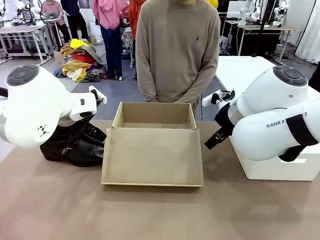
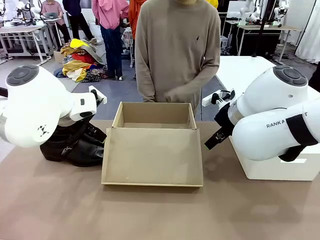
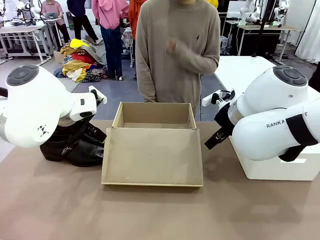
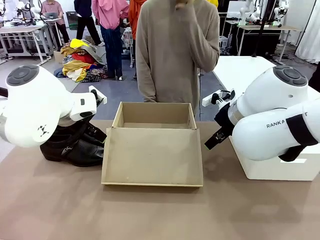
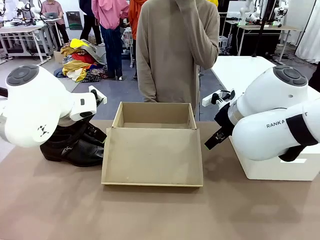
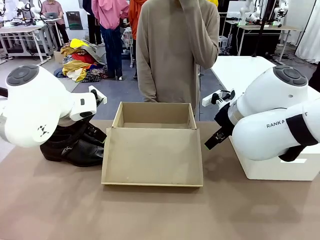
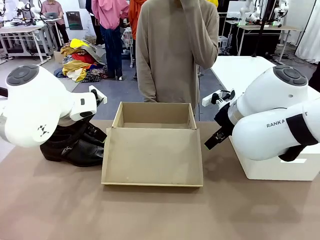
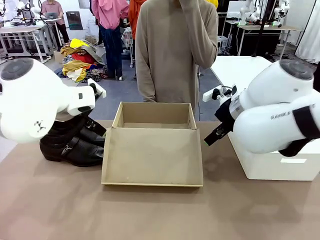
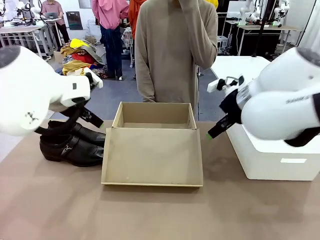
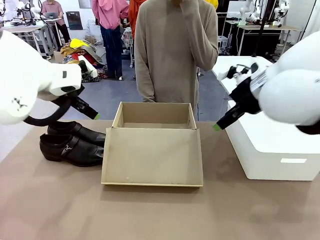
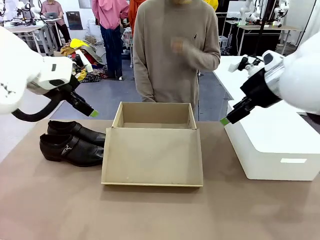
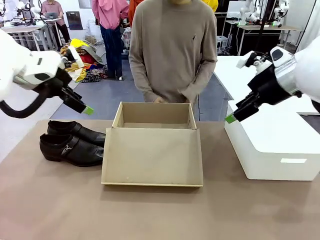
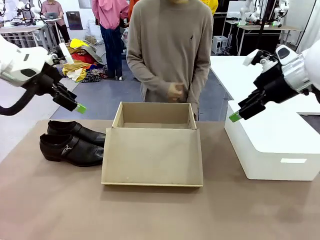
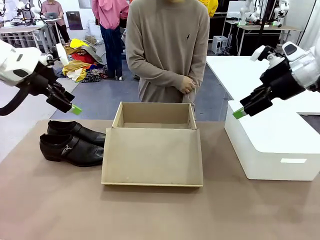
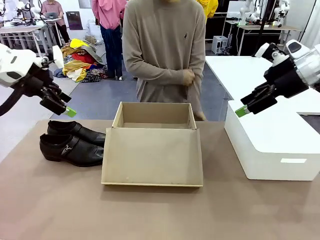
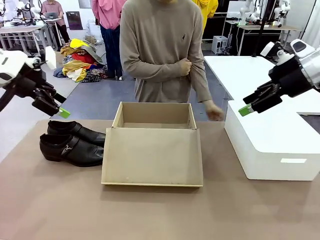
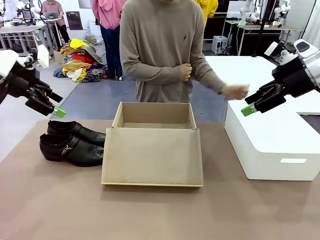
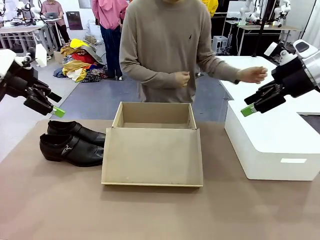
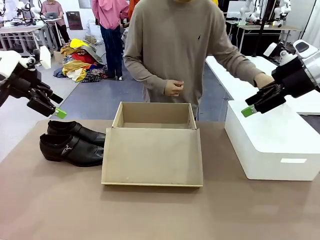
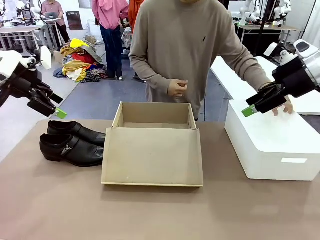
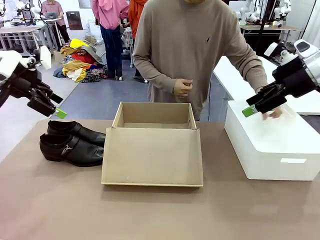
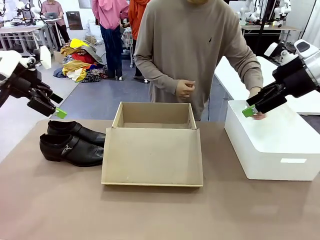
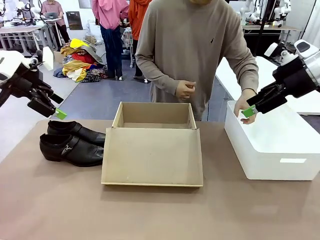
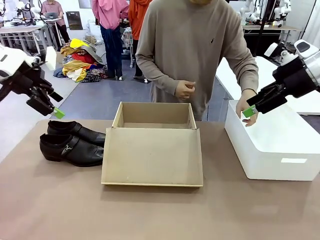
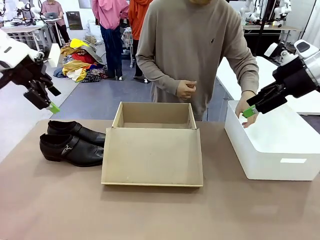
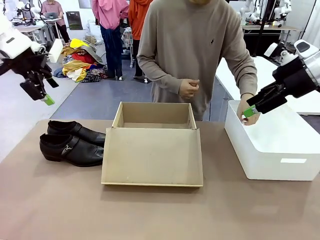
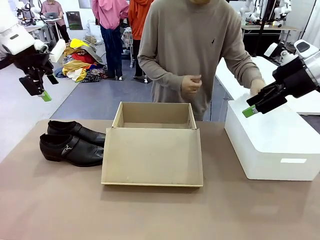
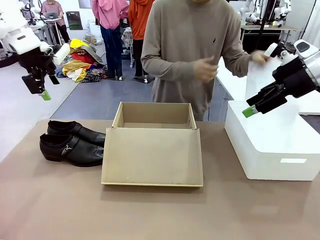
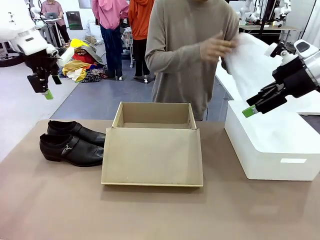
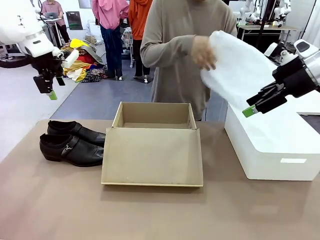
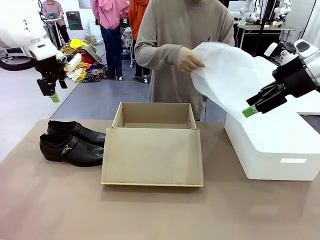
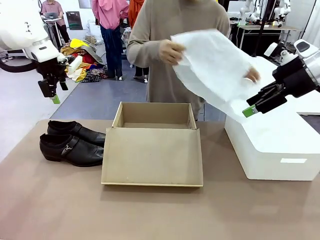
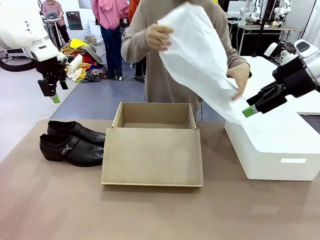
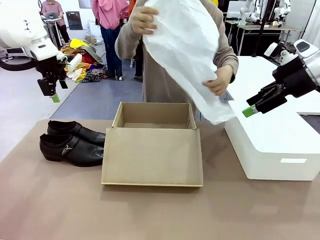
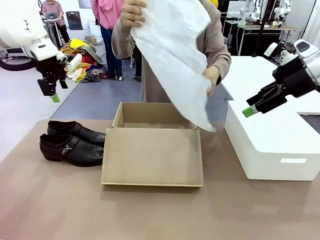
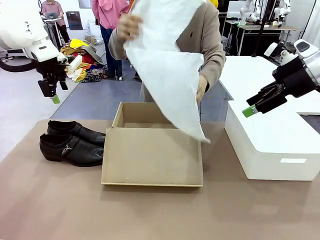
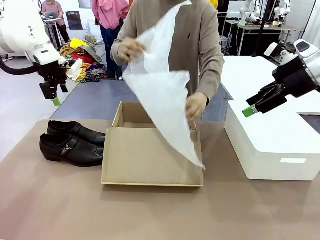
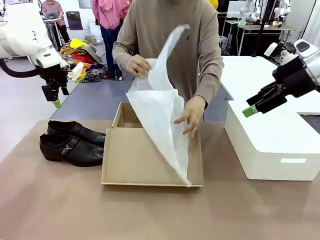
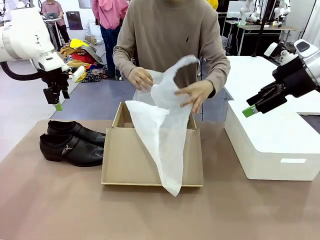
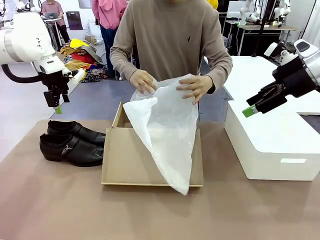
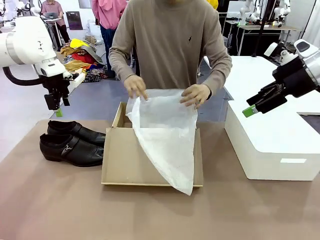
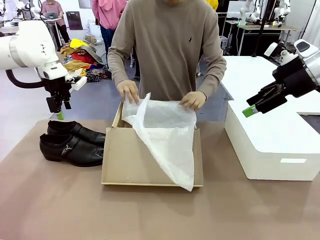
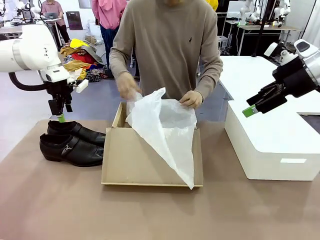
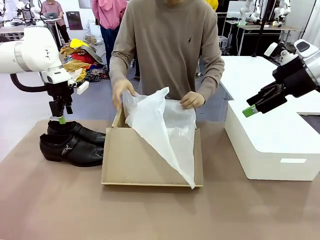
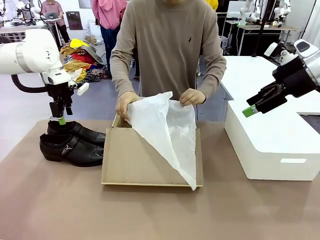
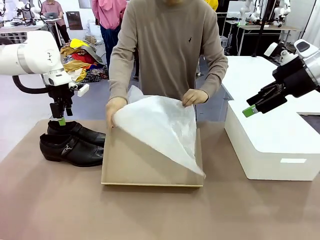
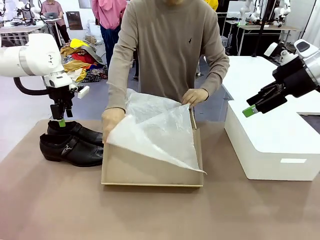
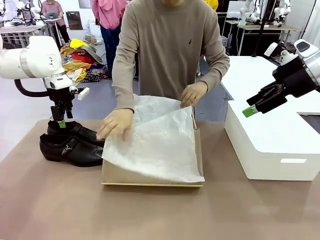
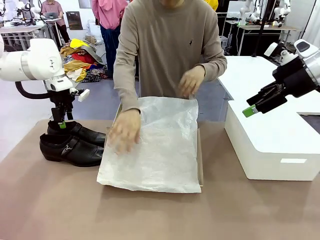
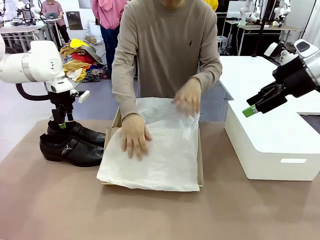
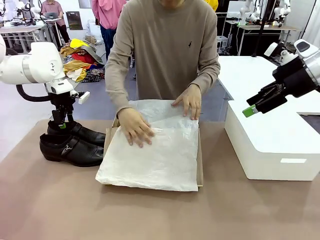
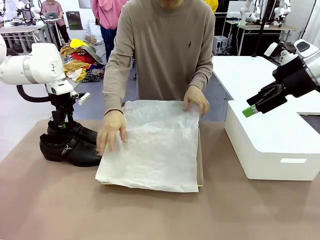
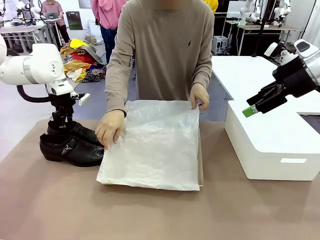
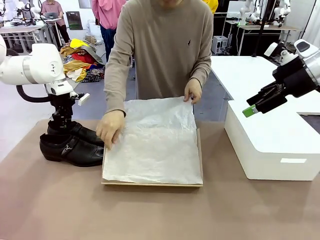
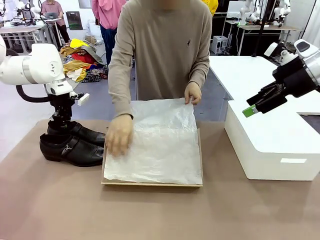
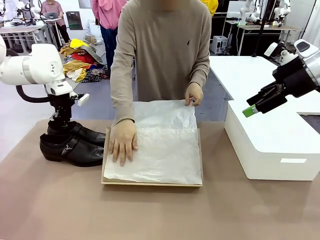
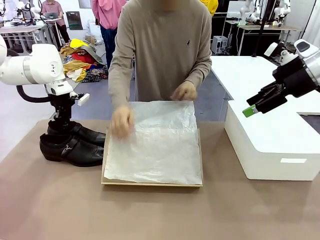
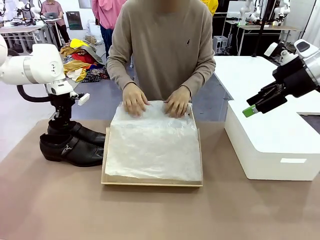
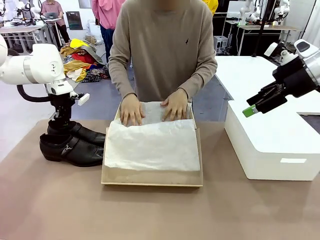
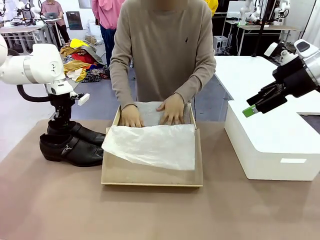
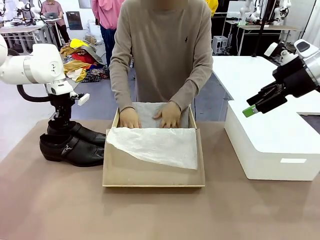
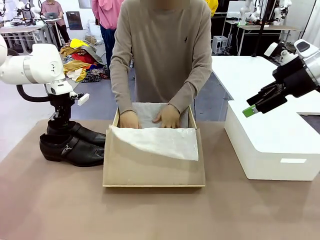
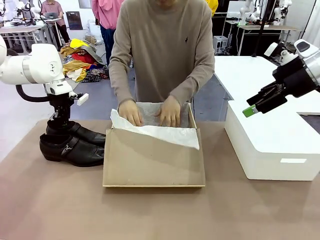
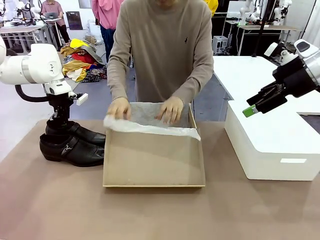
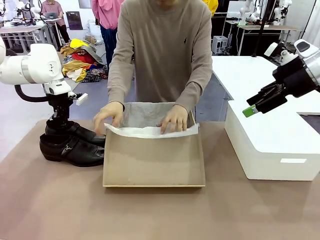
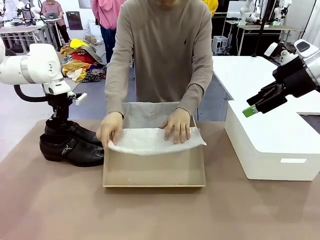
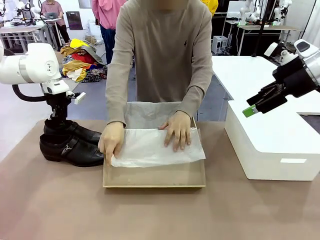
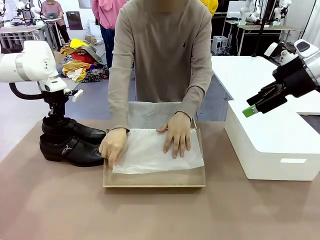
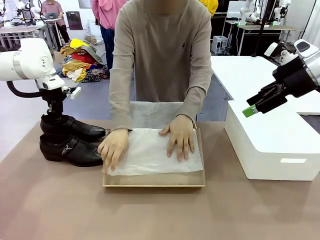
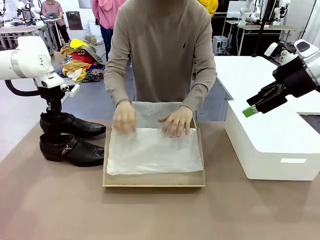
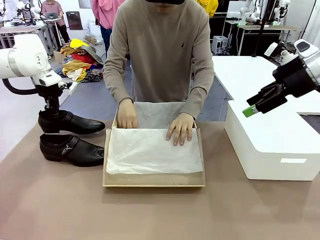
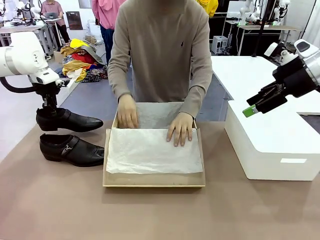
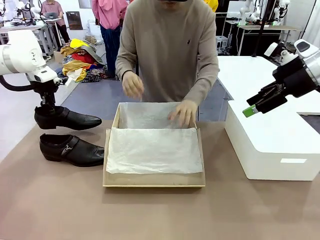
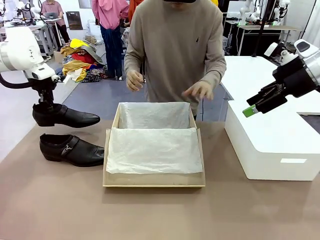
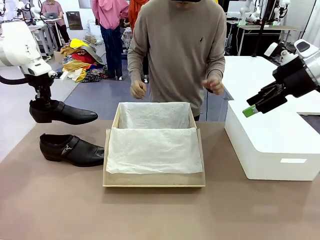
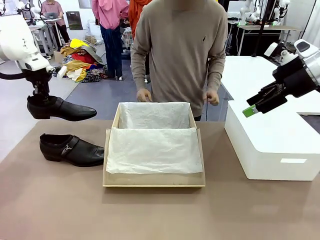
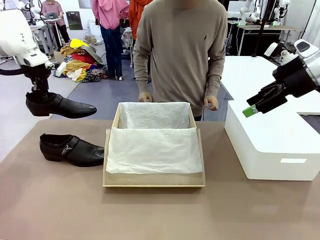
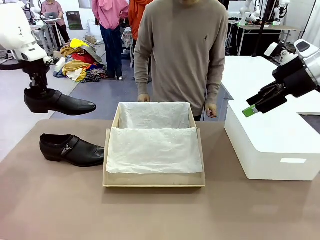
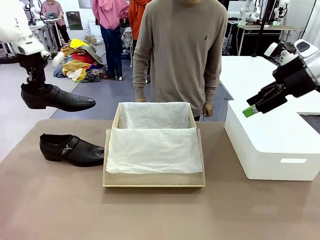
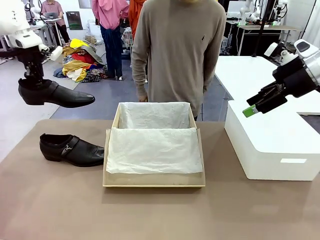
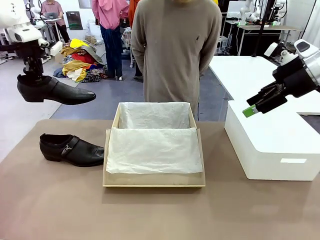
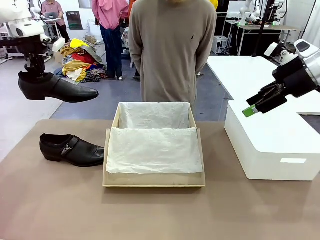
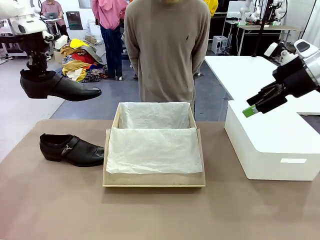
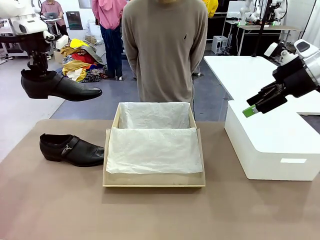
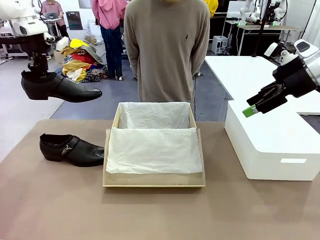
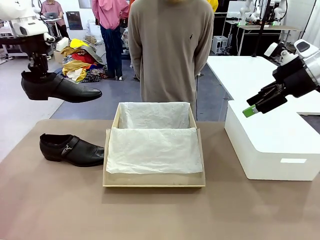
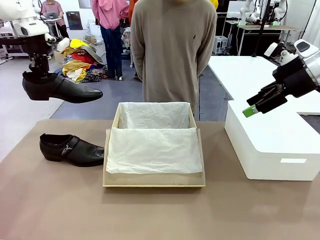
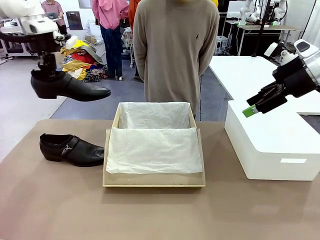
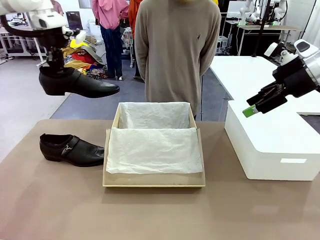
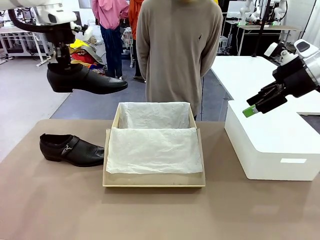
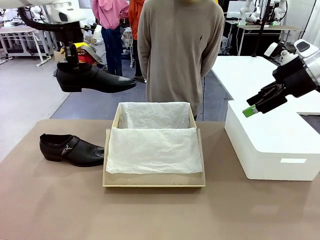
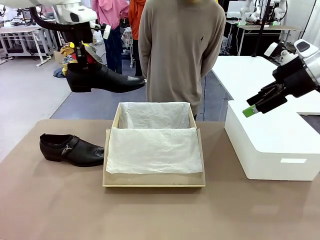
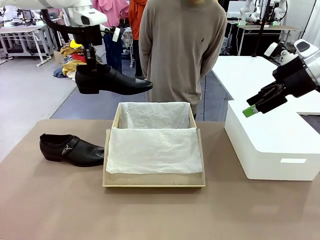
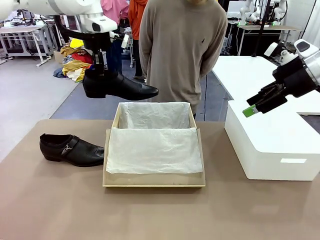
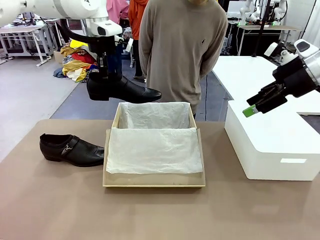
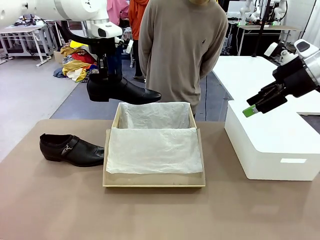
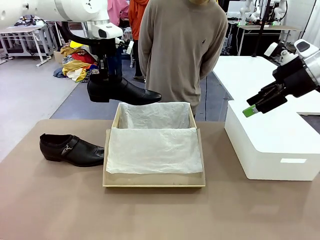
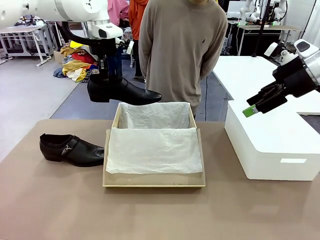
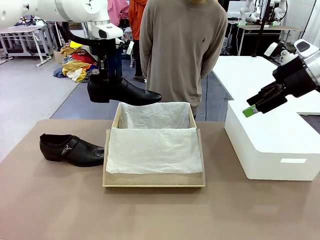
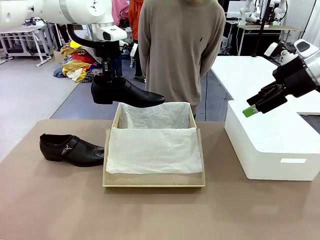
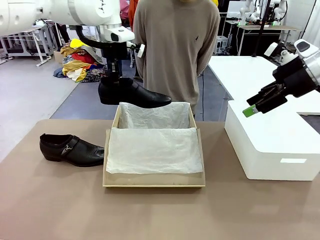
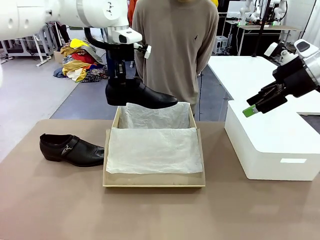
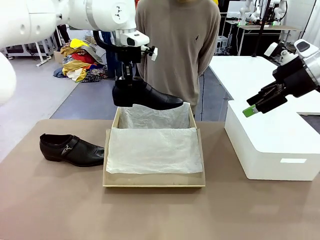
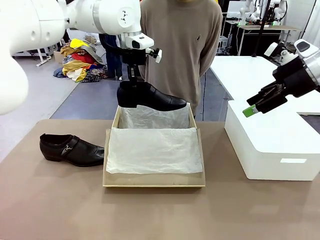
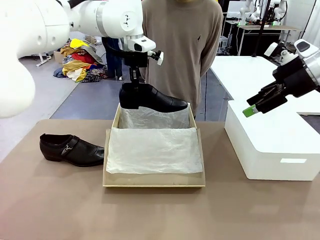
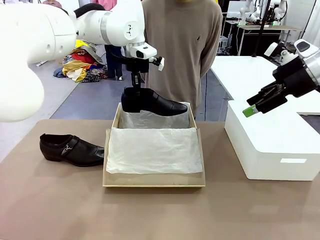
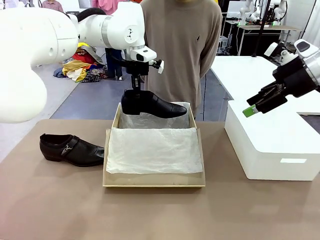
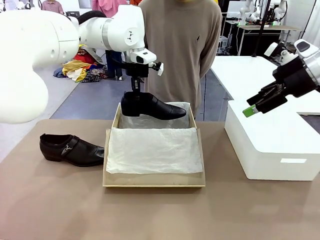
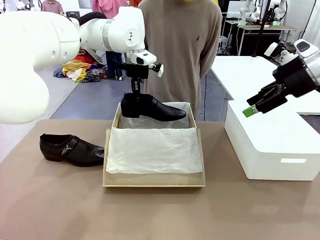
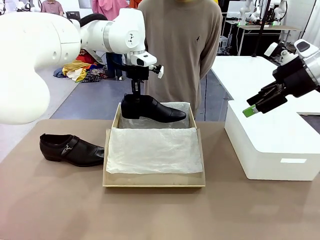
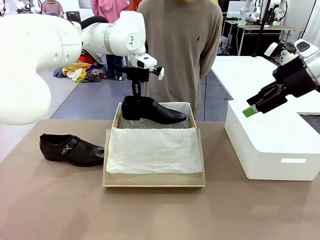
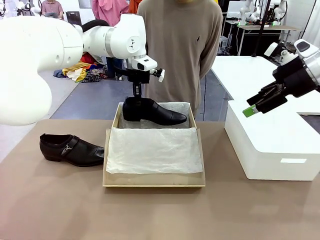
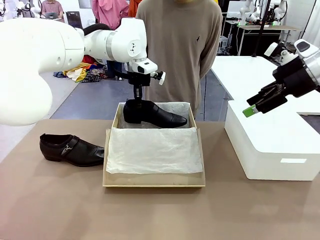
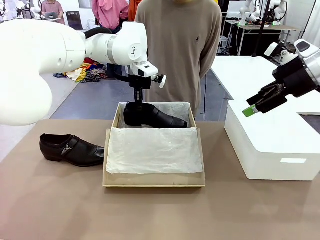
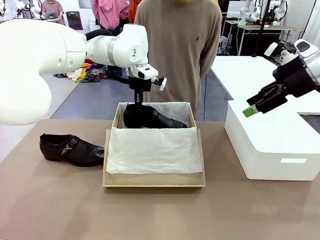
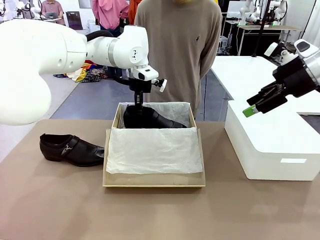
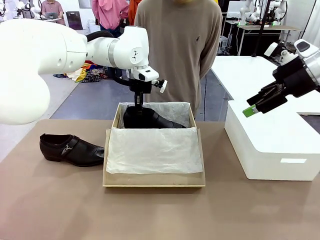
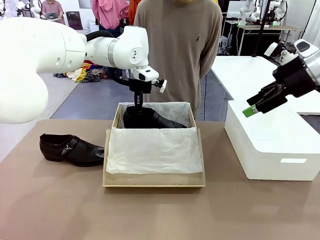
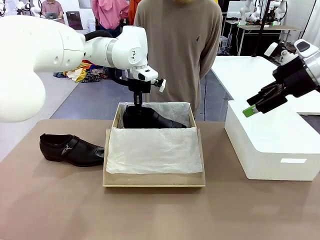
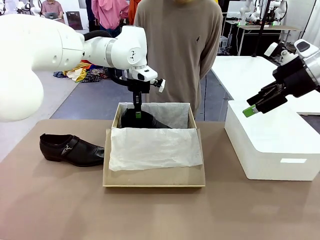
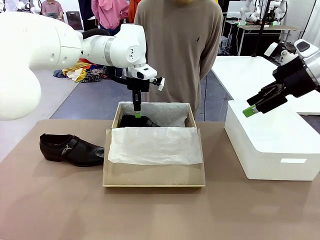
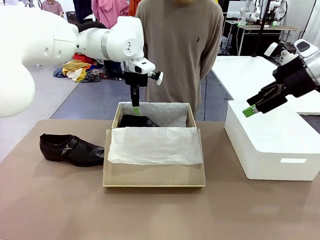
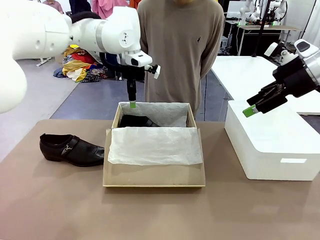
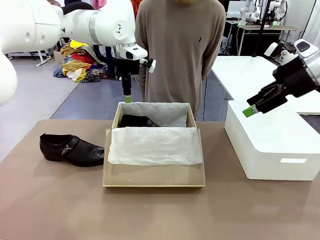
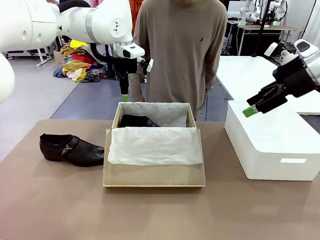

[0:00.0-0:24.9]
Task: Pack the shoes into the box.
Robot: Place one shoe of the Shoes into the Shoes Box.
Person: Spread Shoes Wrapping Paper and place inside the Shoes Box.
